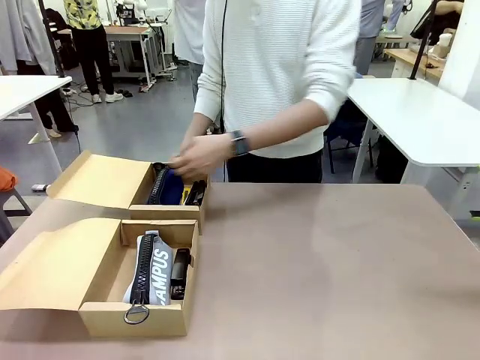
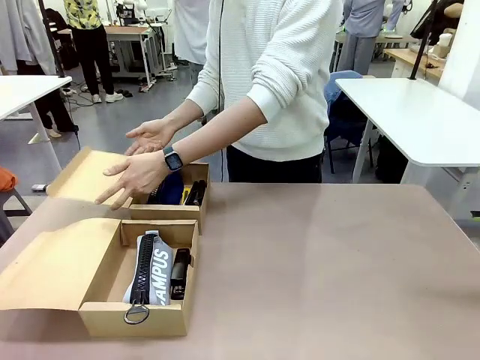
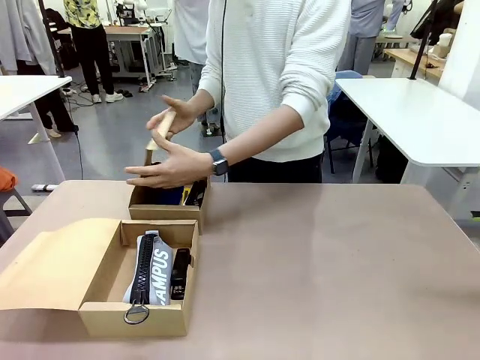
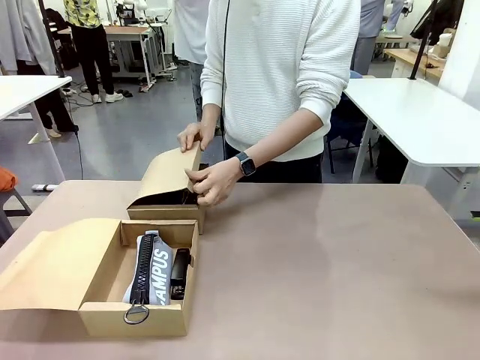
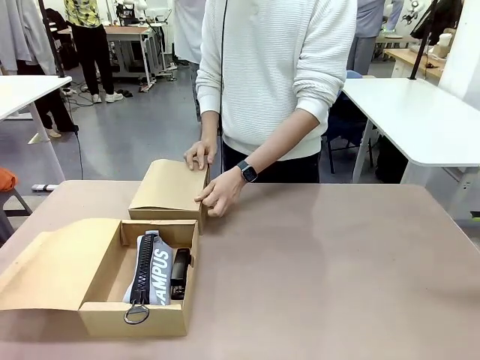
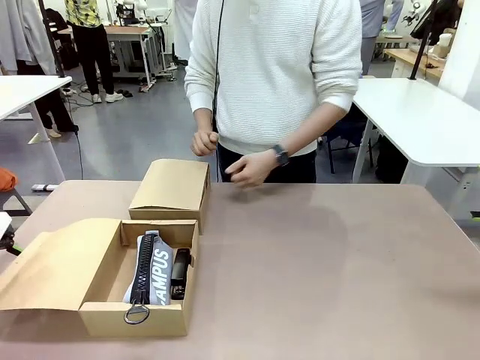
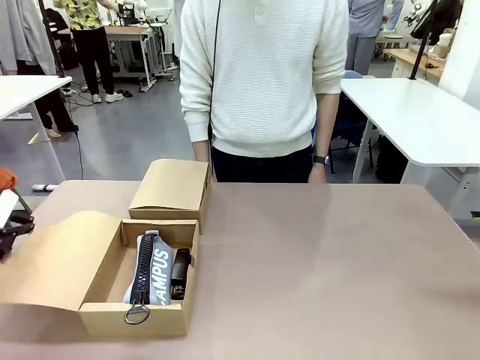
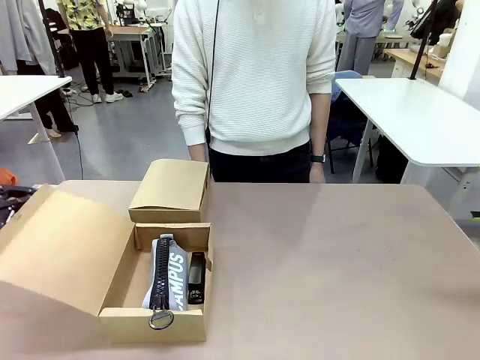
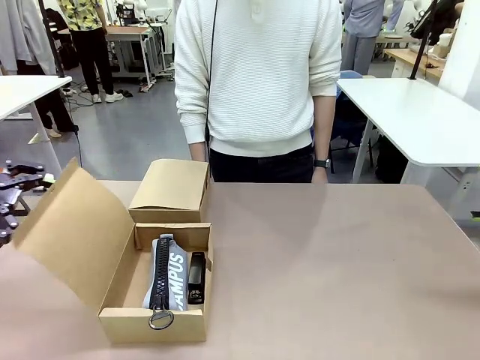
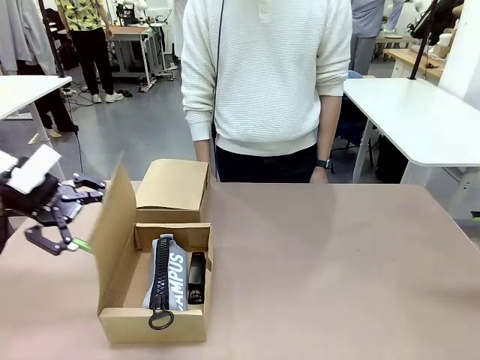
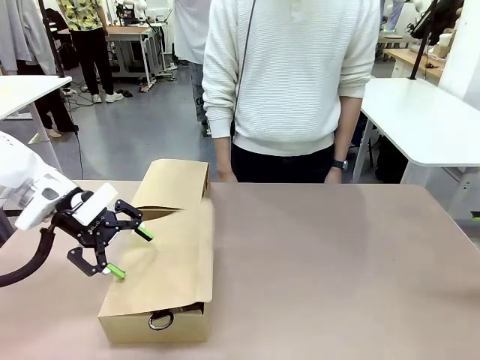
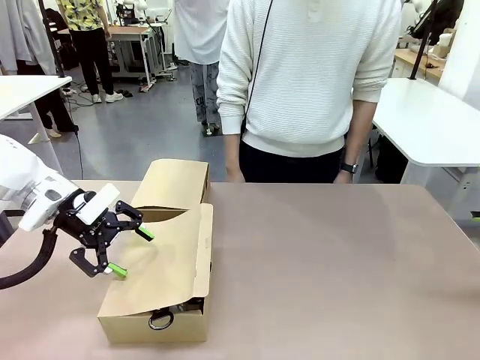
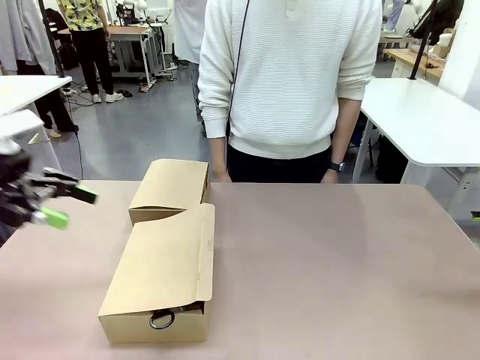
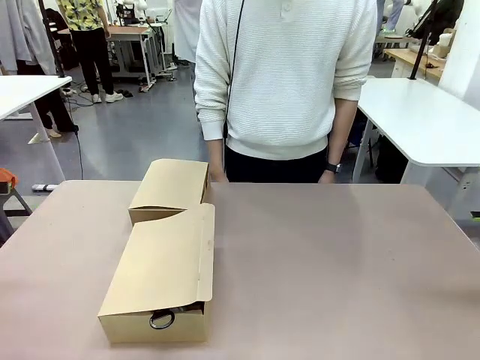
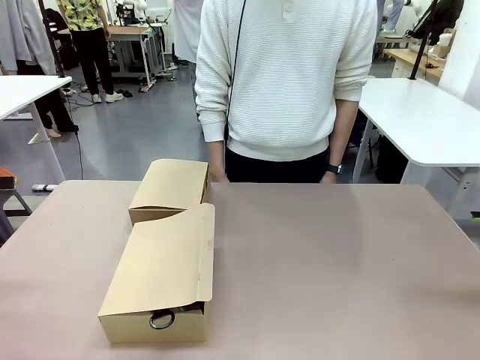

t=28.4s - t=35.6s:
Task: Place items inside the box.
Robot: Close the lid of the Mailer Box closest to the robot.
Person: Close the lid of the box facing the person.

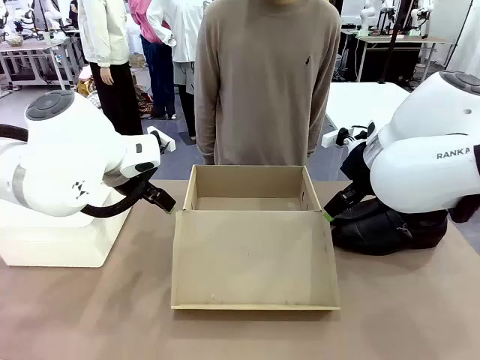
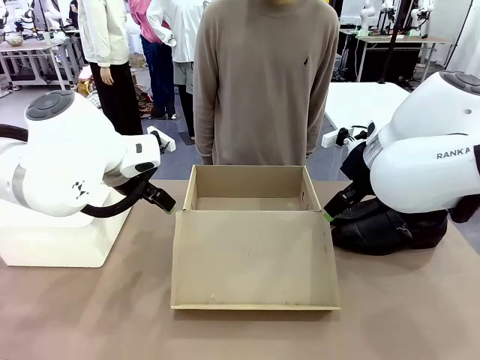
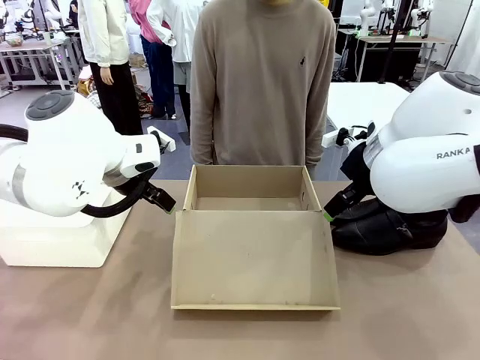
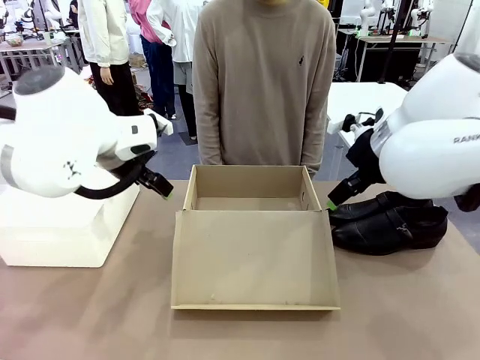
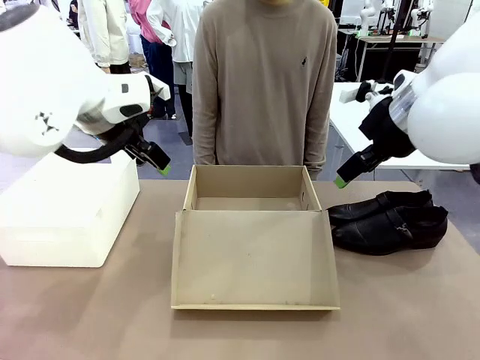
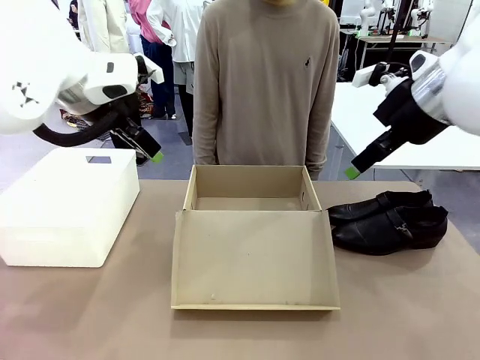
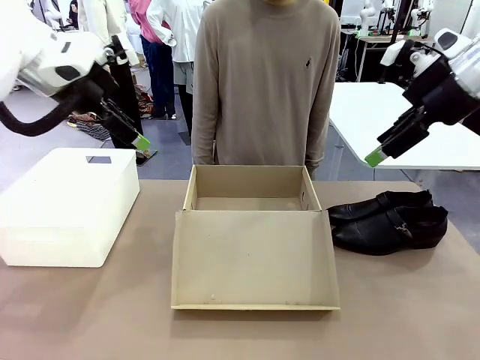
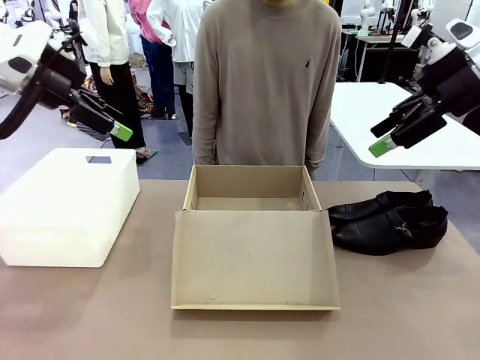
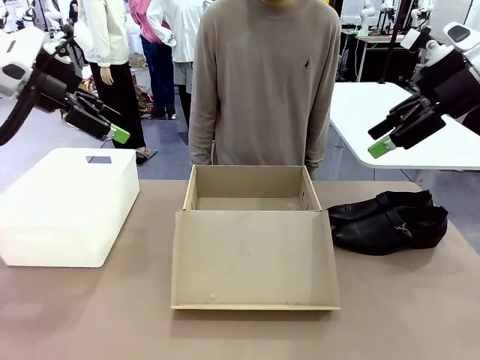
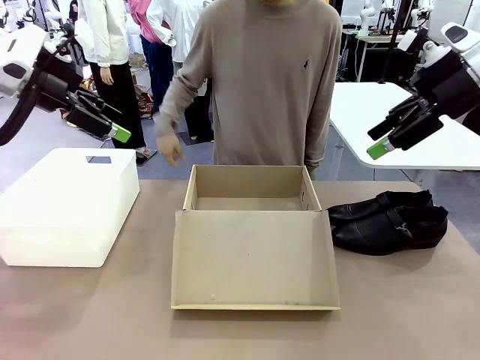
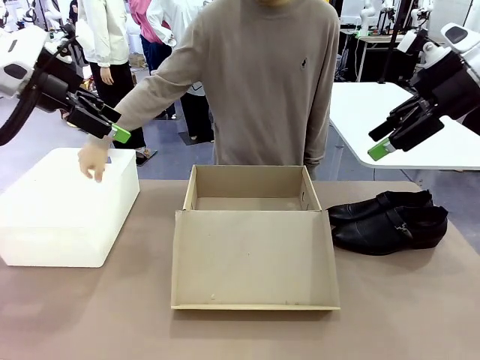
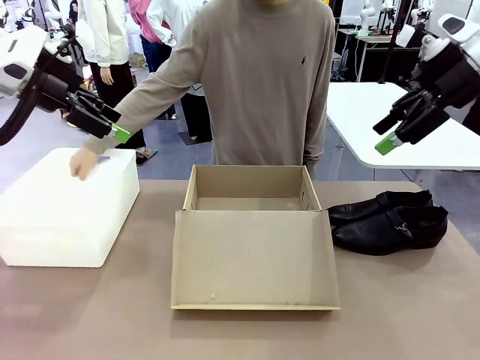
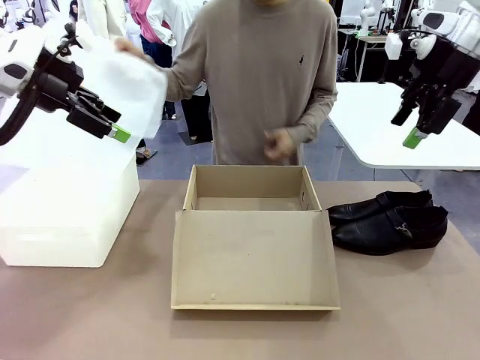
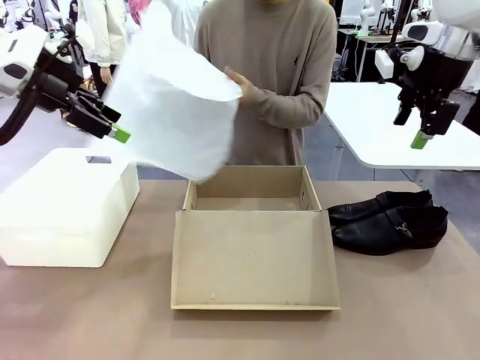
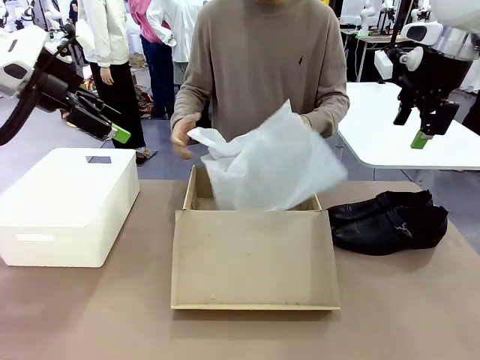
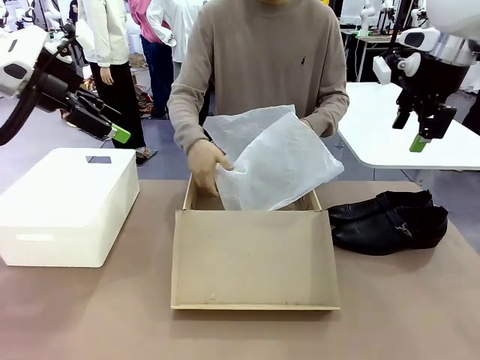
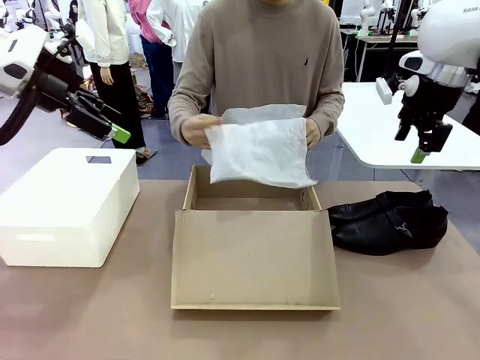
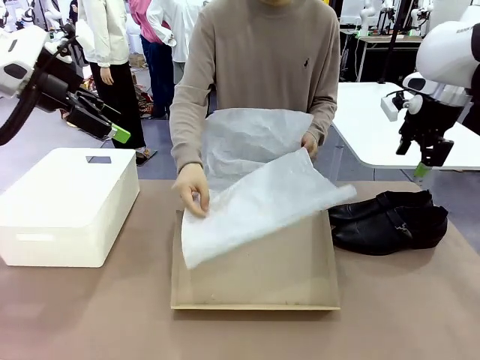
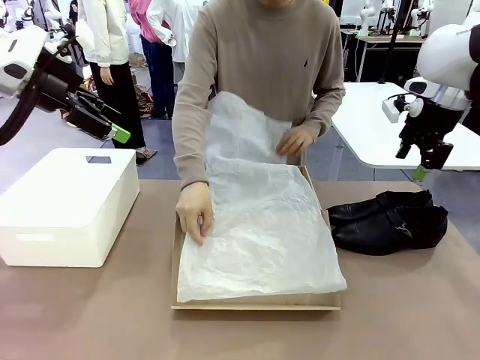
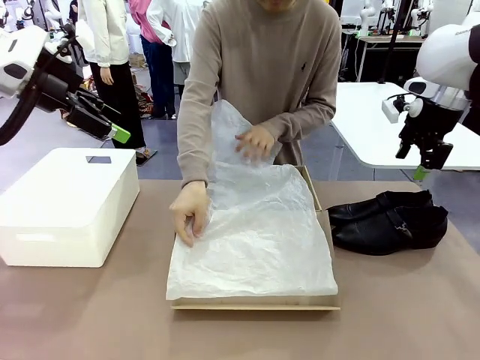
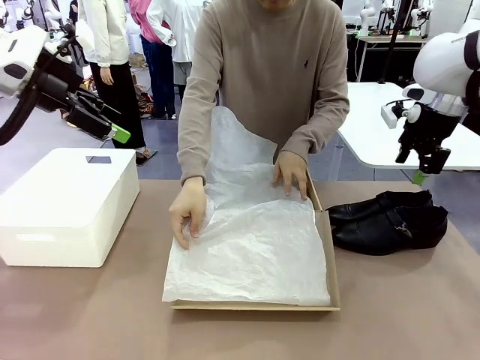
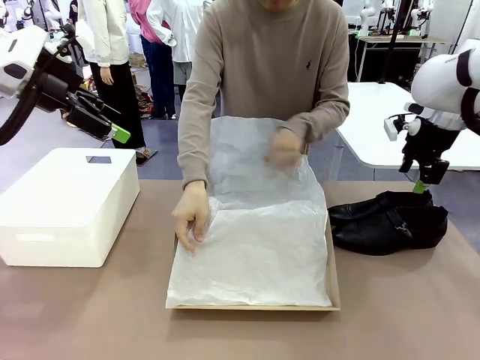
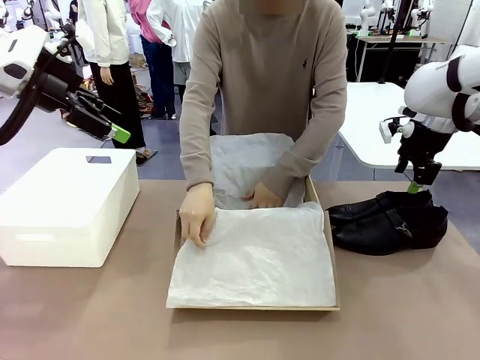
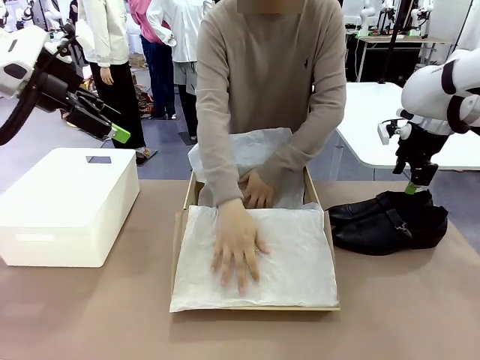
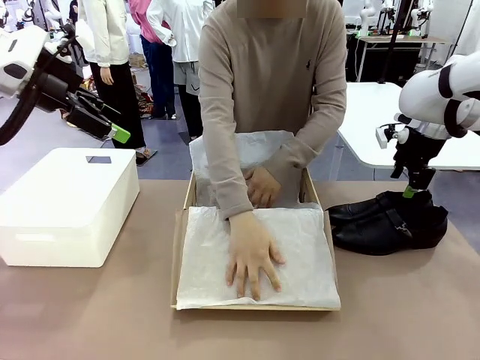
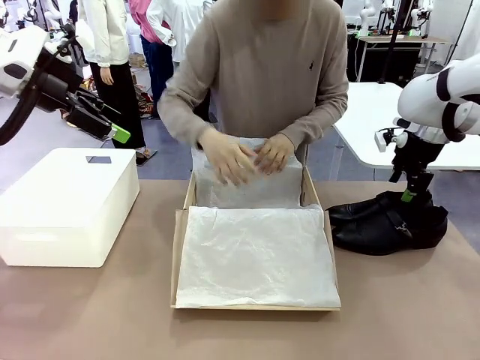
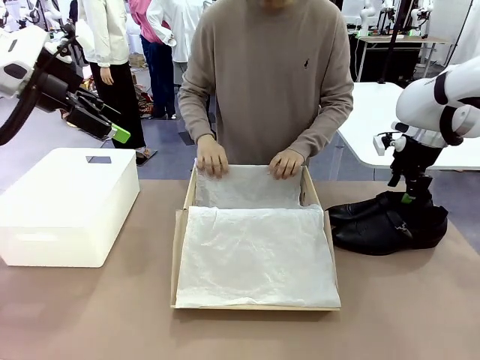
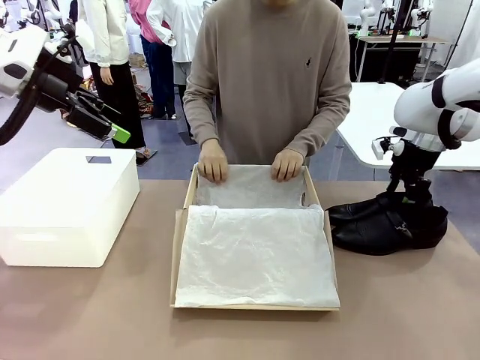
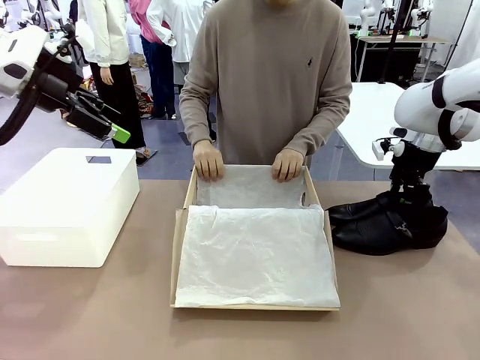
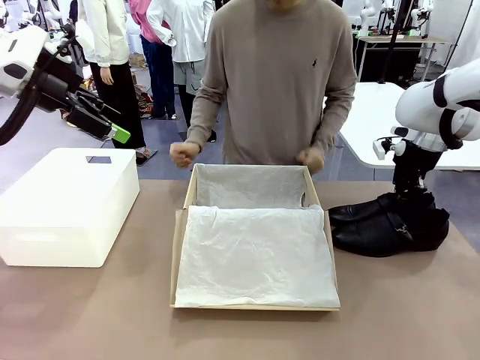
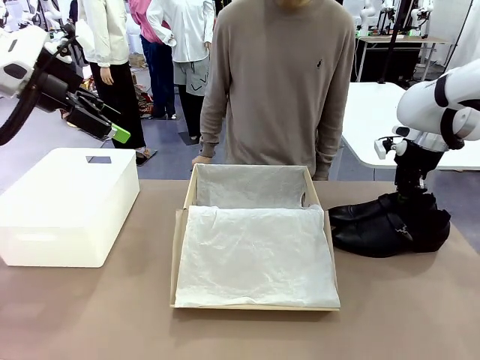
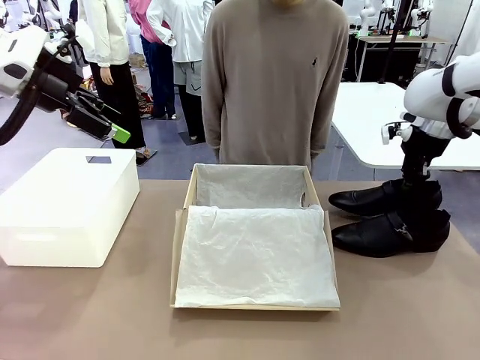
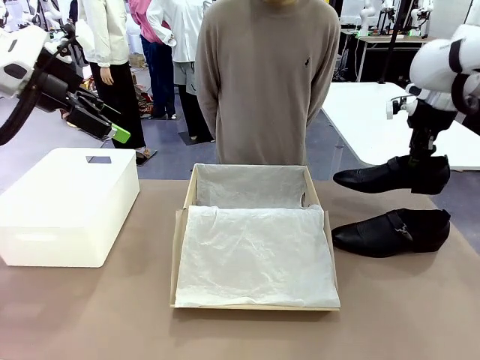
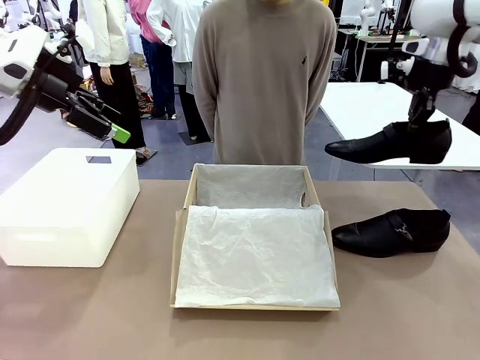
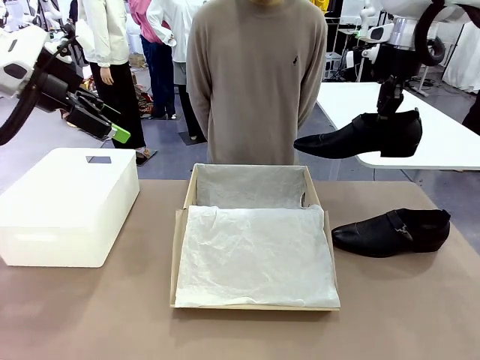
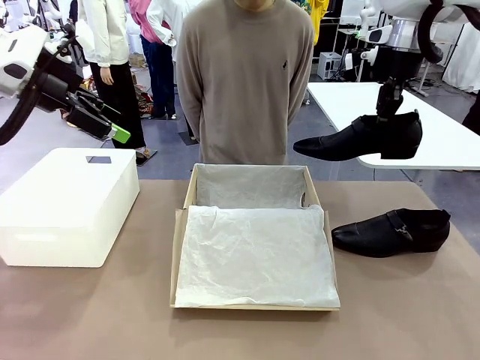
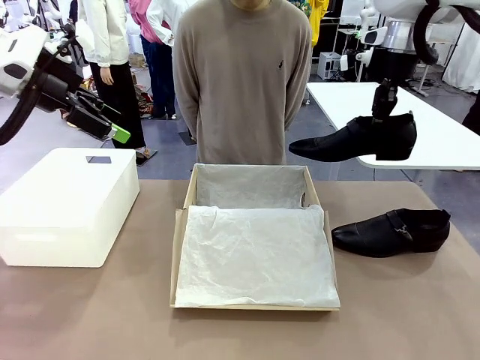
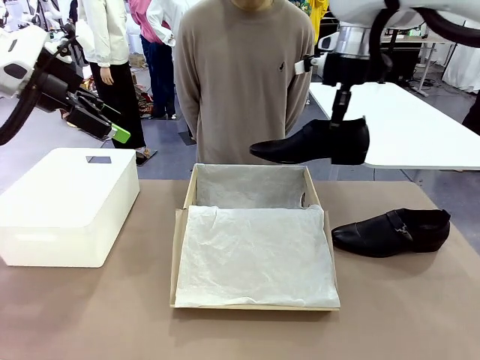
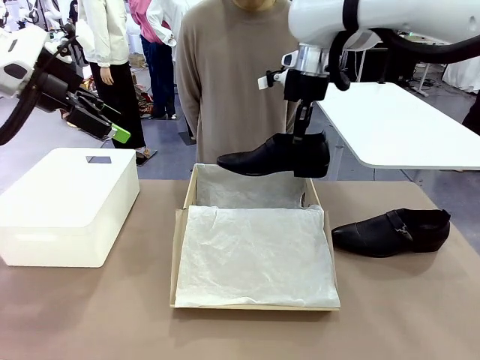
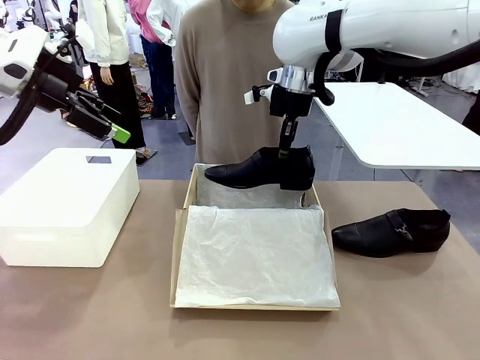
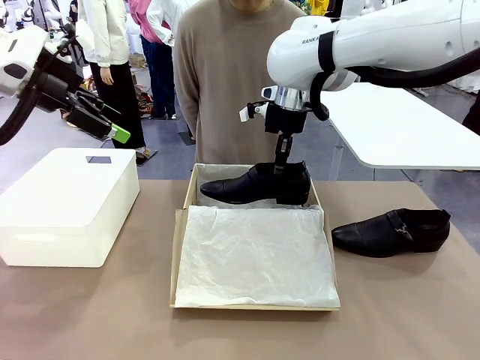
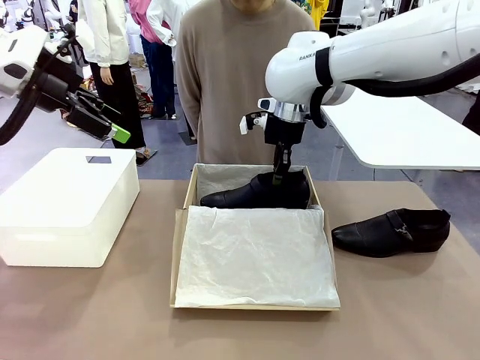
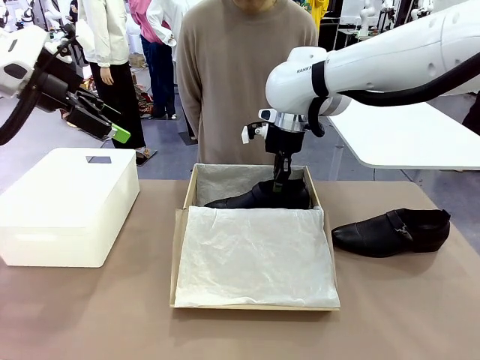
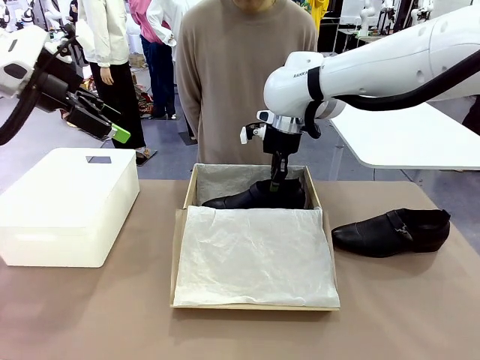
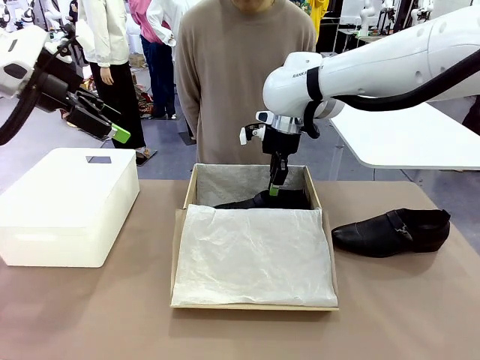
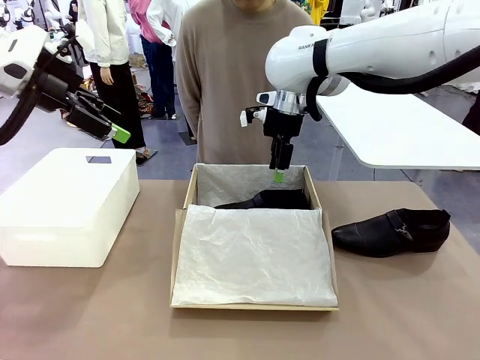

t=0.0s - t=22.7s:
Task: Pack the shoes into the box.
Robot: Place one shoe of the Shoes into the Shoes Box.
Person: Spread Shoes Wrapping Paper and place inside the Shoes Box.
